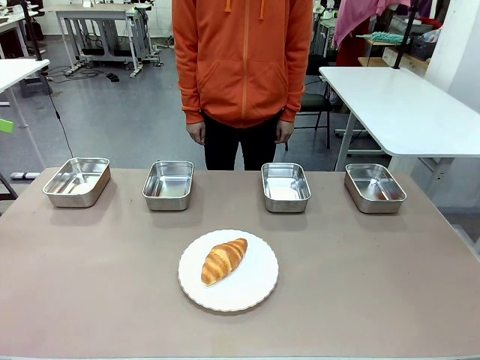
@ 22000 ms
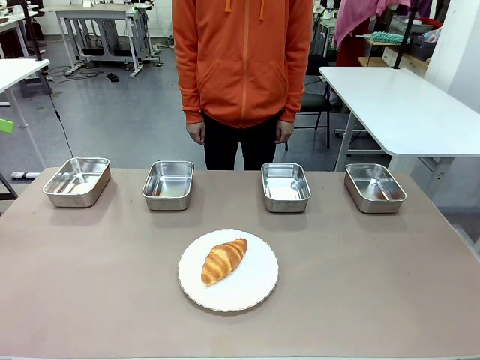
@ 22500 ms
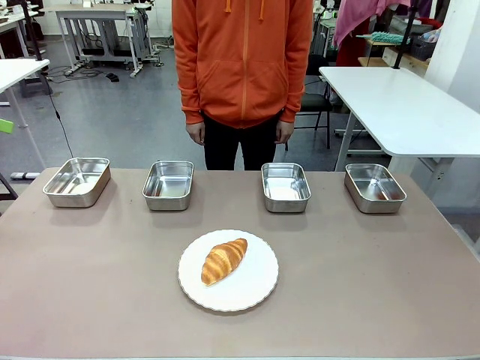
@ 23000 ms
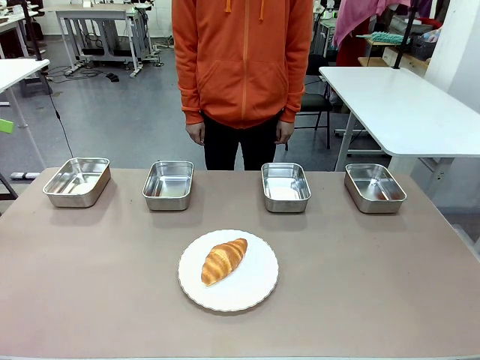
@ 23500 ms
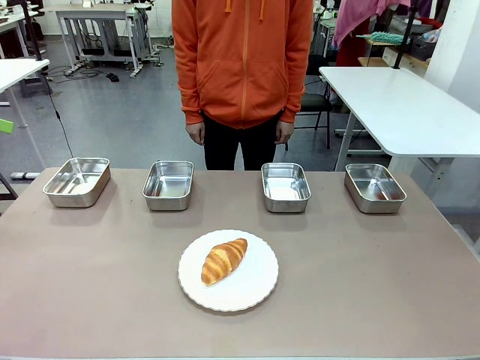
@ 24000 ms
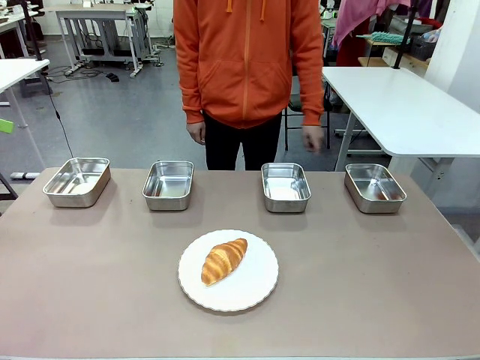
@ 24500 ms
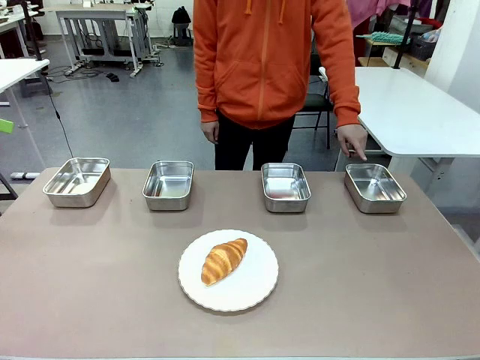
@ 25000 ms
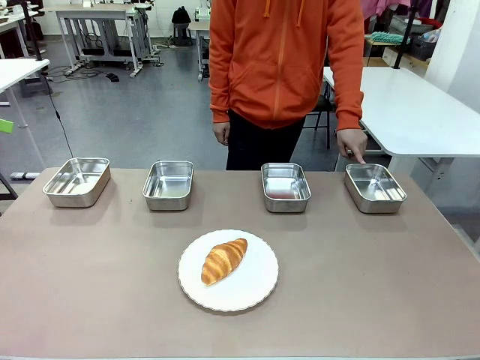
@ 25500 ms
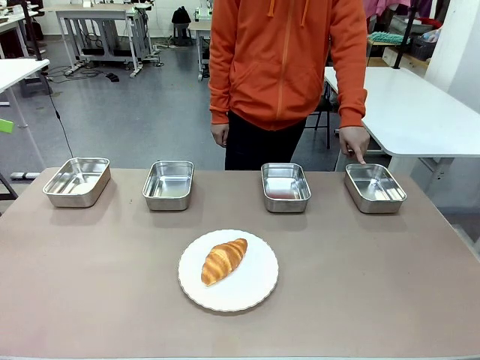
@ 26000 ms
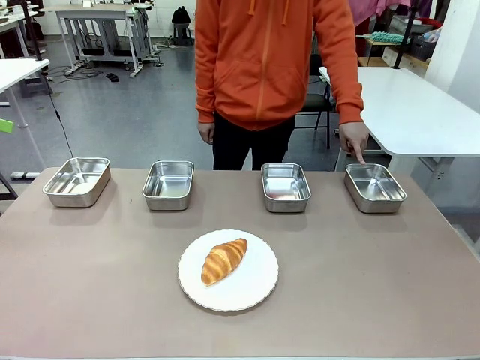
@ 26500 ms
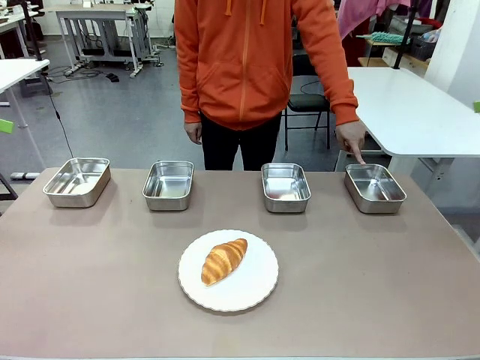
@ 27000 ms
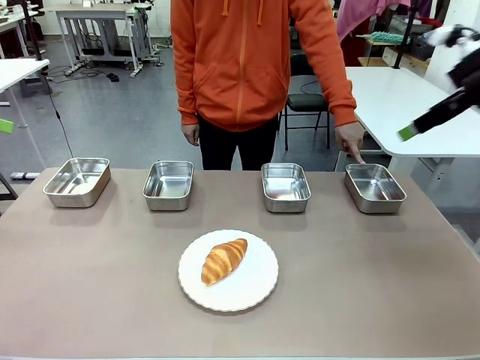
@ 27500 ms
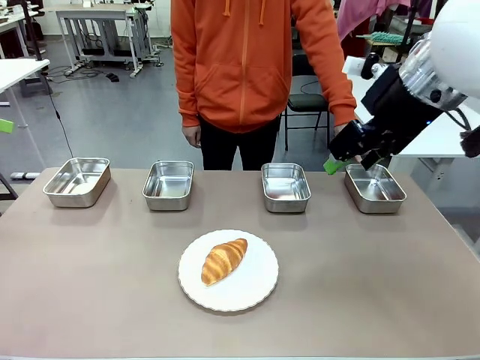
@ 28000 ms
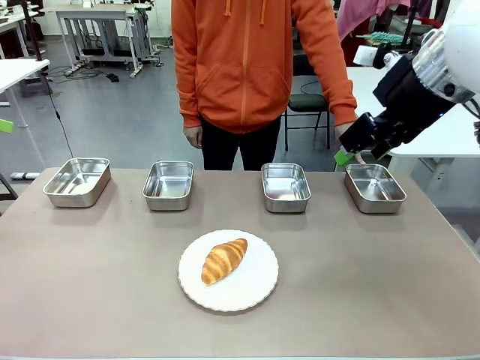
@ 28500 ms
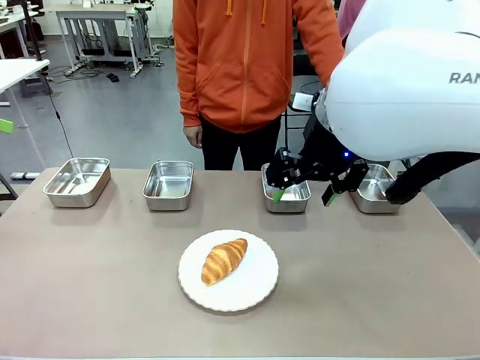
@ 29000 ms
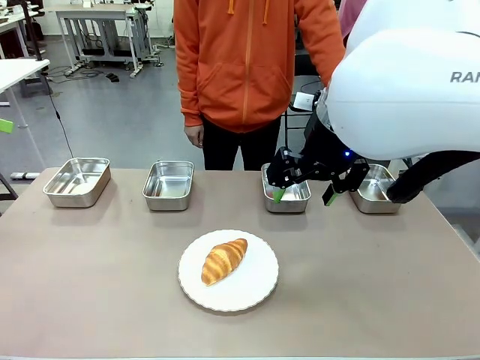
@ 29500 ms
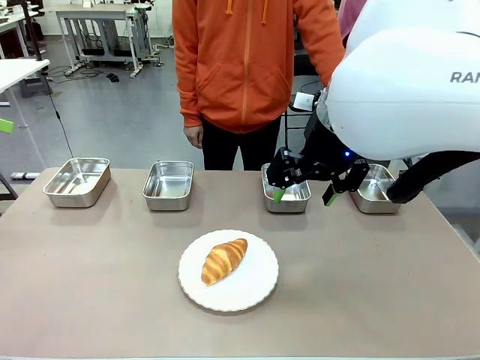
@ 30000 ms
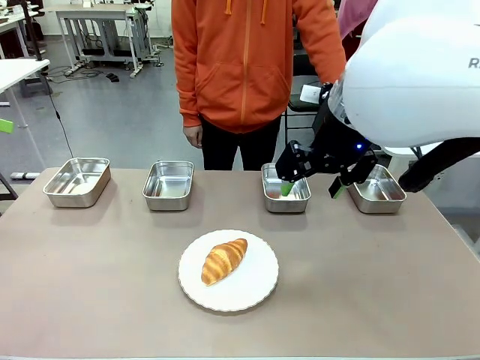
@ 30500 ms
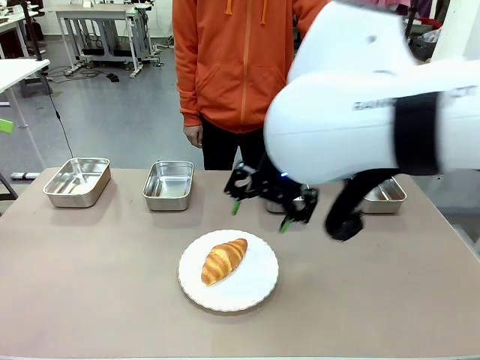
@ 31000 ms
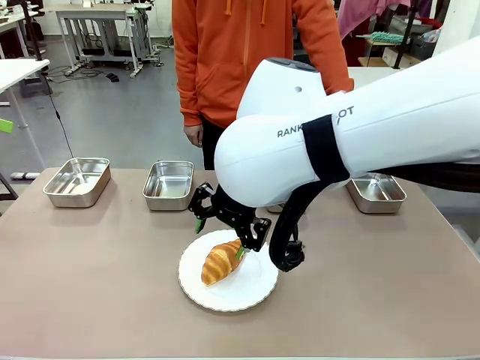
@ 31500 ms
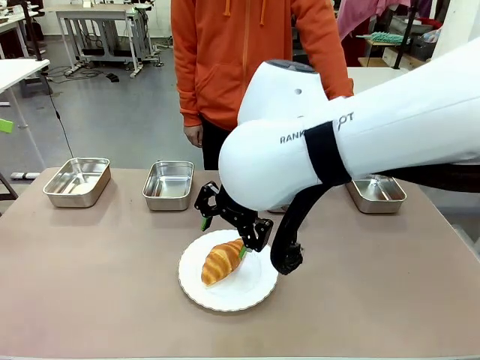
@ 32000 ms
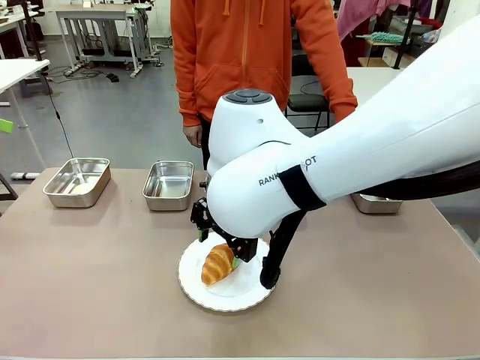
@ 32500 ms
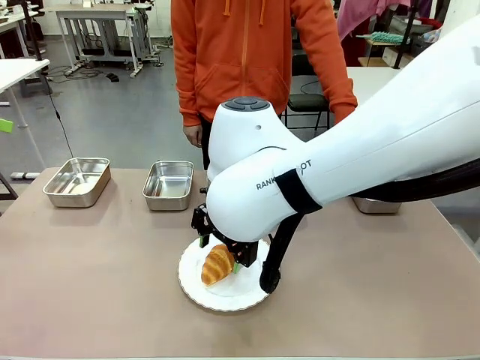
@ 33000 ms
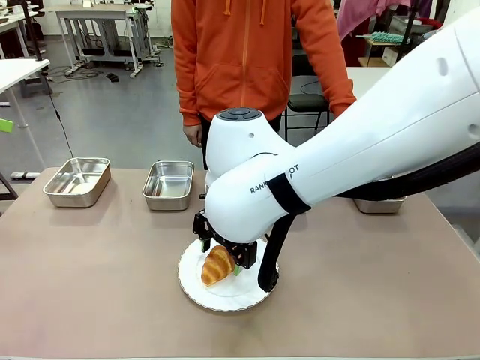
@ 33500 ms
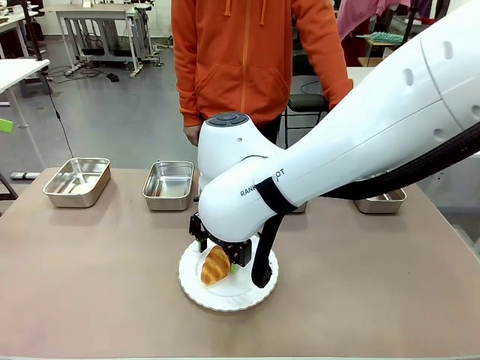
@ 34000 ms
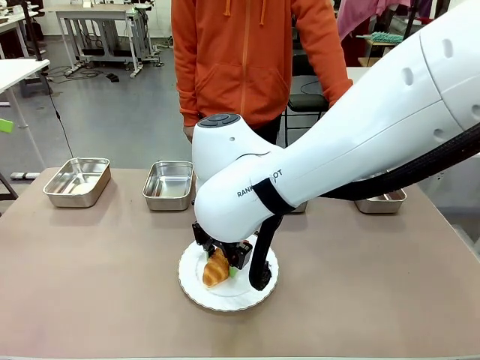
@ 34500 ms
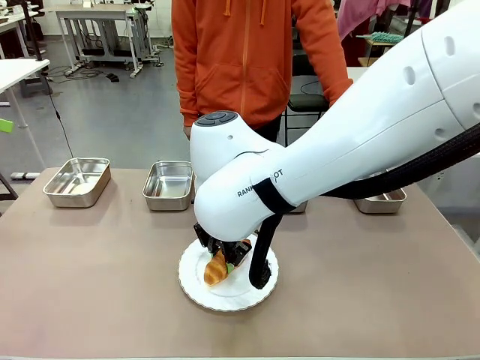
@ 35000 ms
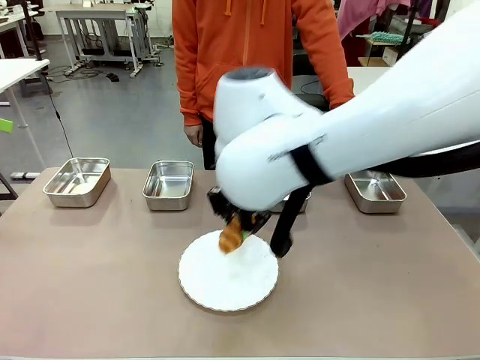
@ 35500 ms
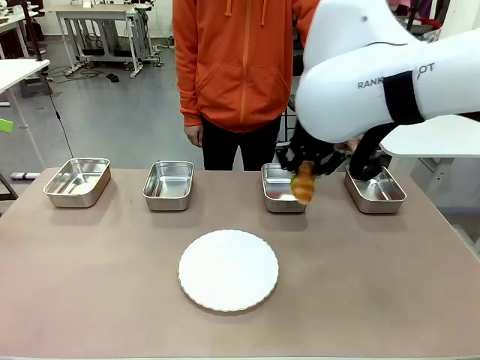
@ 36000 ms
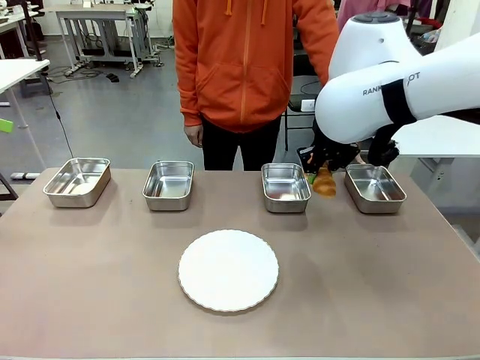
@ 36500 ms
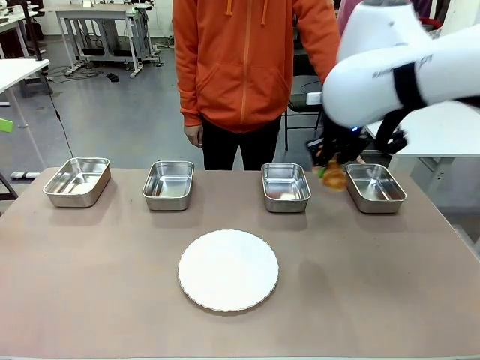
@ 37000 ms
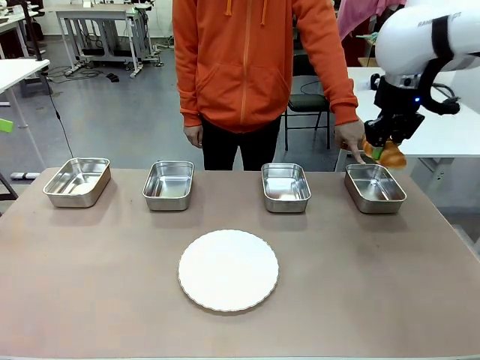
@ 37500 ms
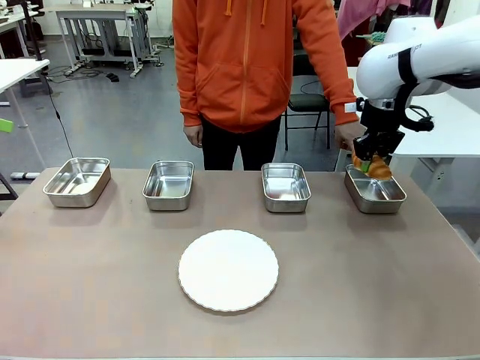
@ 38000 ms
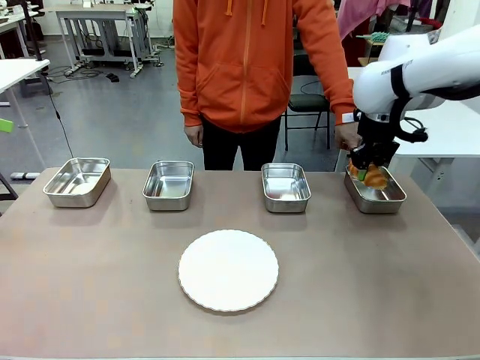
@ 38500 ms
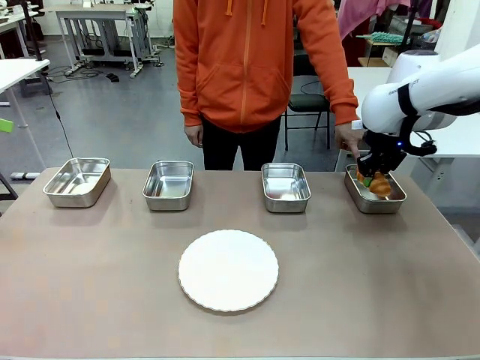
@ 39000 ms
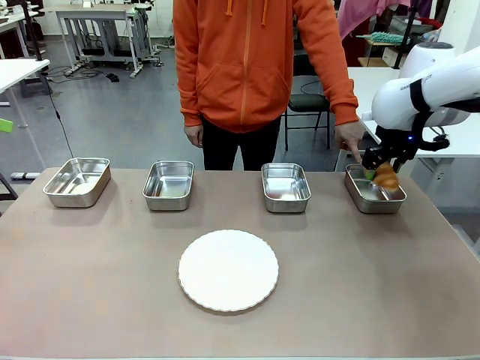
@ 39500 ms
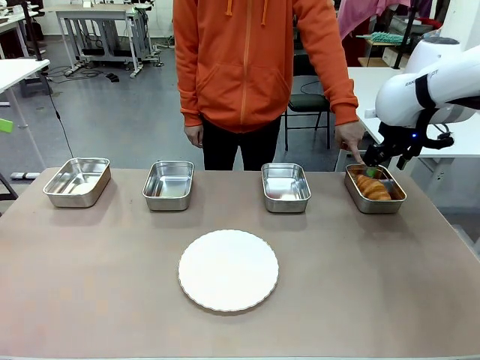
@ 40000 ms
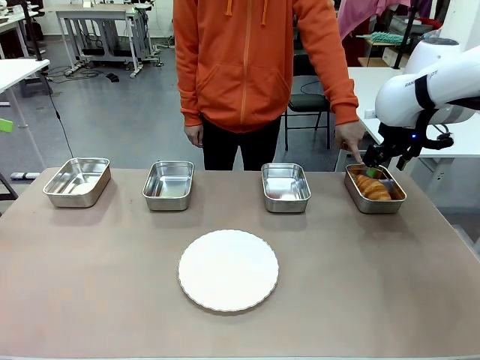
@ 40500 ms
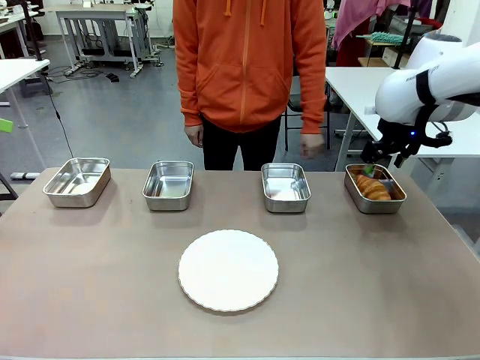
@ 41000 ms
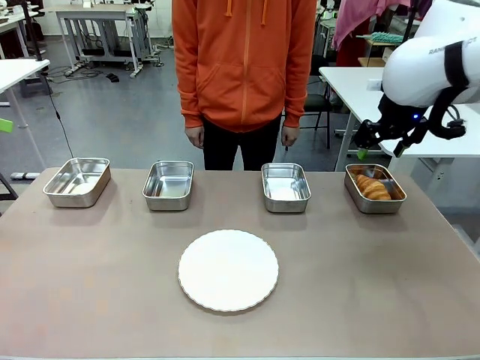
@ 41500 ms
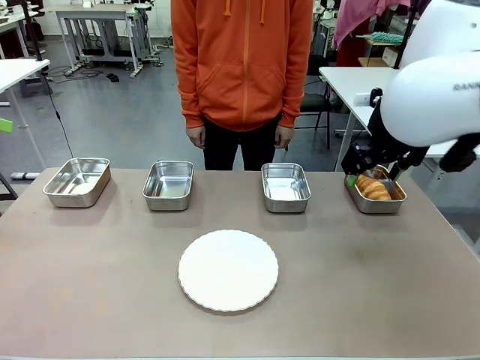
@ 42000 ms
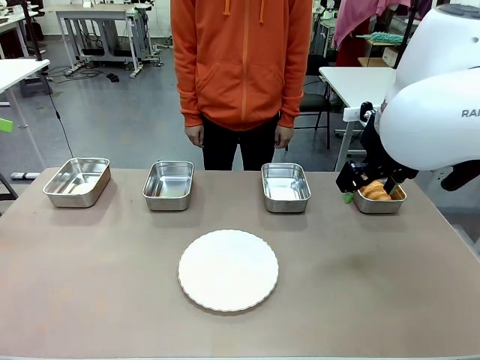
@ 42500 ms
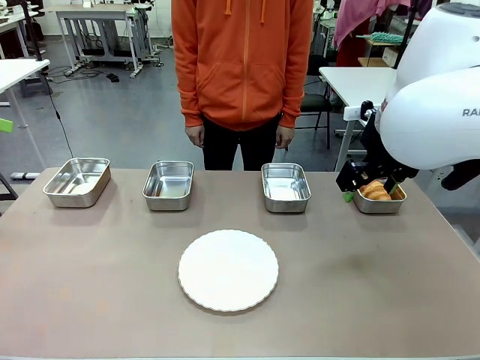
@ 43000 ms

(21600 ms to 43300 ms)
Task: Place the bread in the container.
Robot: Place the Butter Roll into the Airtight Container indicated by the human.
Person: A person randomly selects and points to an Airtight Container.

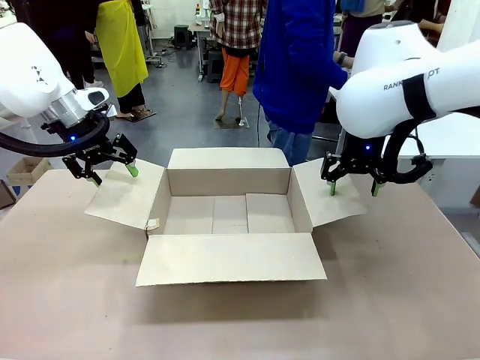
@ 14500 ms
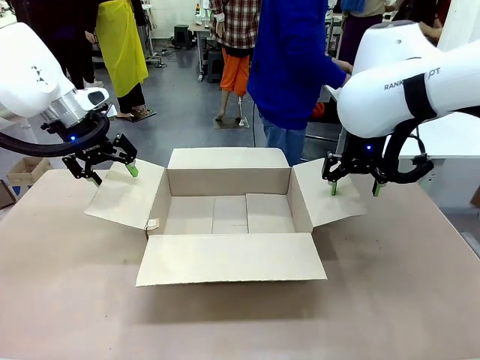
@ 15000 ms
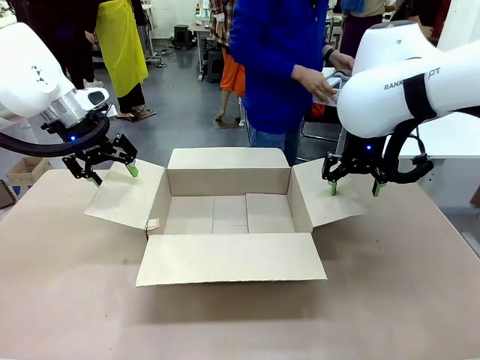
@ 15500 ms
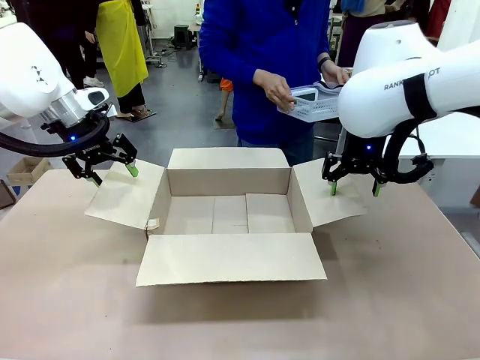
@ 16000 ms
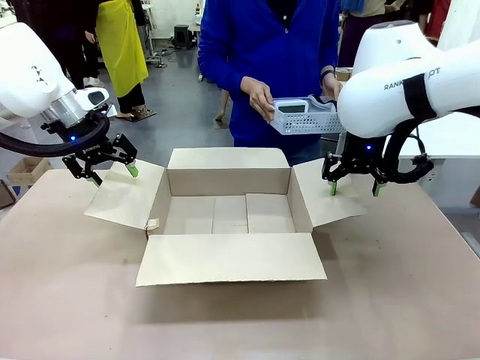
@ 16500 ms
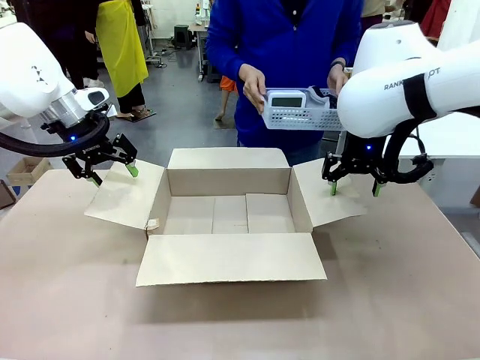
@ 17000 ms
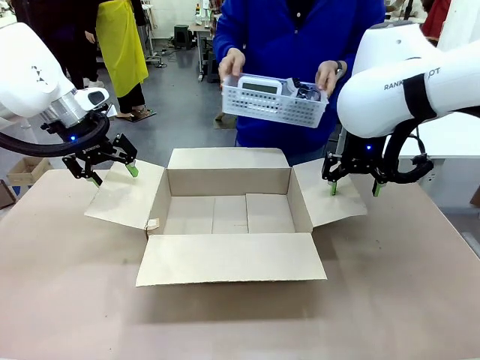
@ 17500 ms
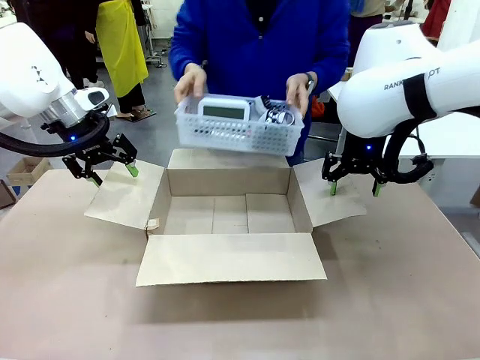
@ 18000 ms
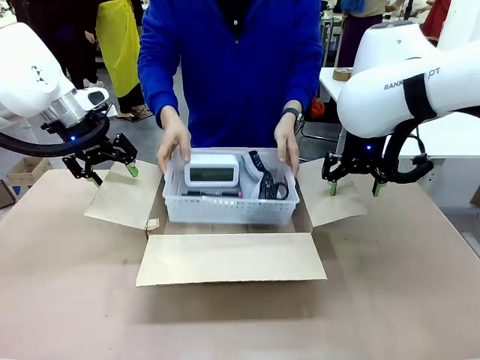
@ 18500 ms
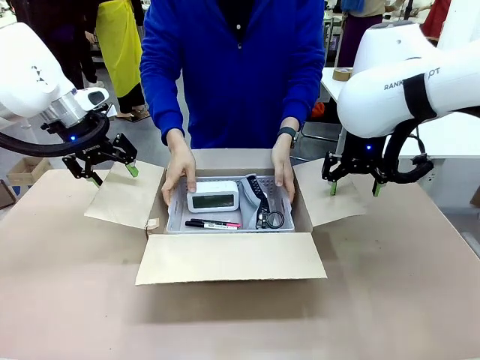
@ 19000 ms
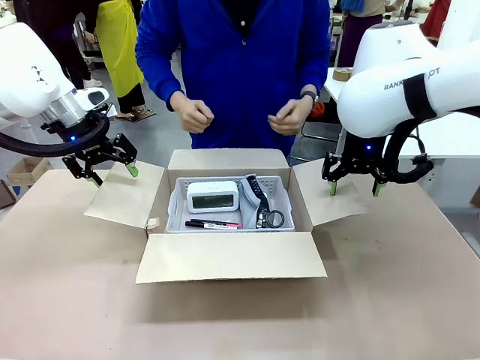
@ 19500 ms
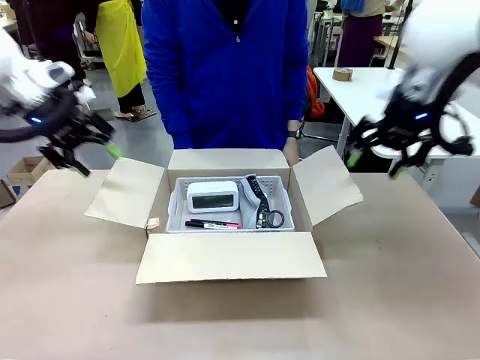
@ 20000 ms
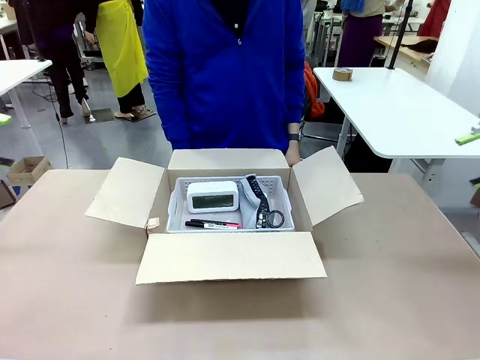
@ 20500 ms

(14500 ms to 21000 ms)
Task: Pack the gift set into the box.
Robot: Lift both hands away from the flaps of the Package Box.
Person: The human picks up the organizing basket and places the organizing basket into the package box on the robot table.
